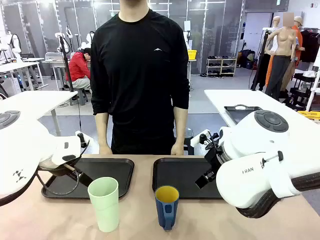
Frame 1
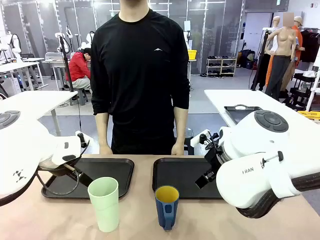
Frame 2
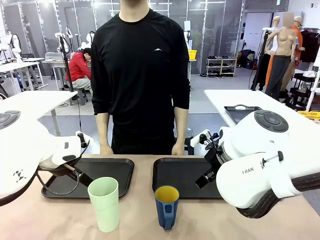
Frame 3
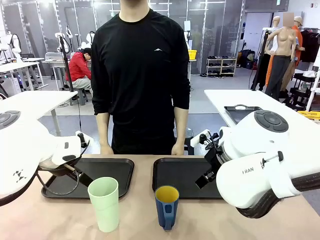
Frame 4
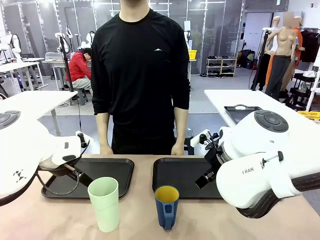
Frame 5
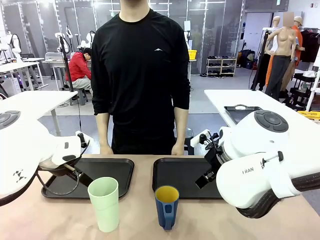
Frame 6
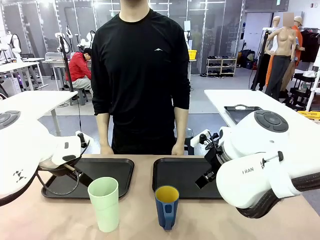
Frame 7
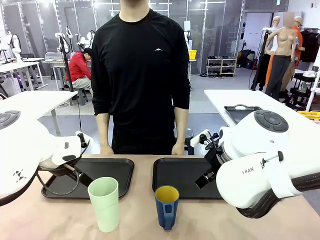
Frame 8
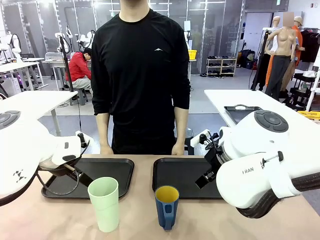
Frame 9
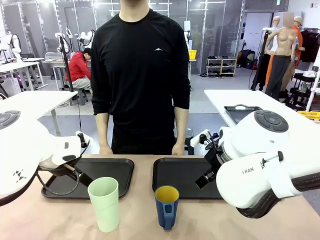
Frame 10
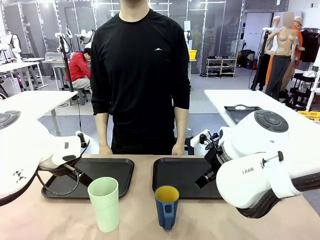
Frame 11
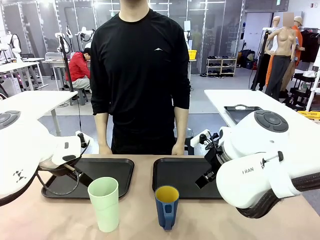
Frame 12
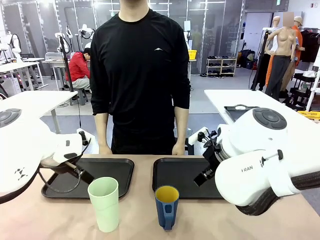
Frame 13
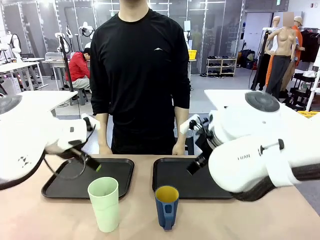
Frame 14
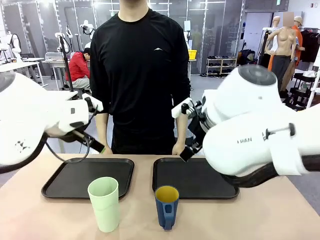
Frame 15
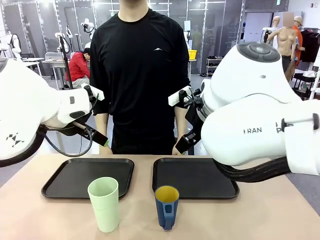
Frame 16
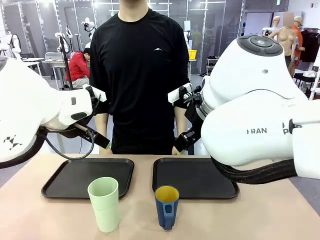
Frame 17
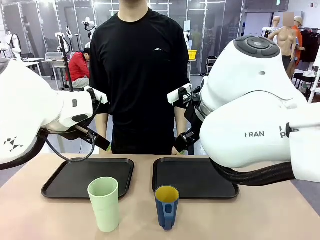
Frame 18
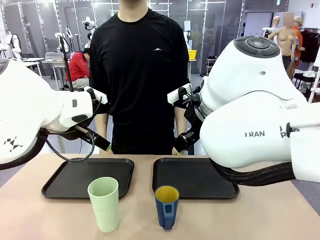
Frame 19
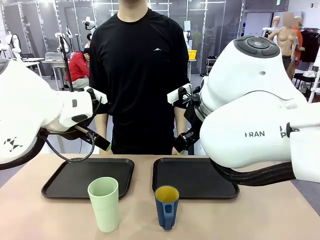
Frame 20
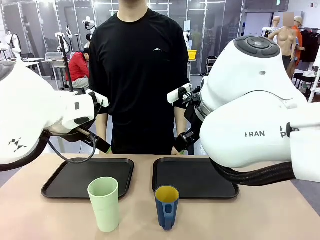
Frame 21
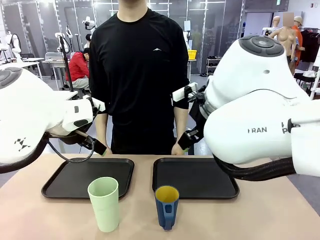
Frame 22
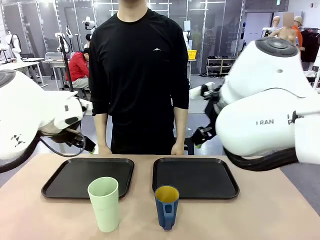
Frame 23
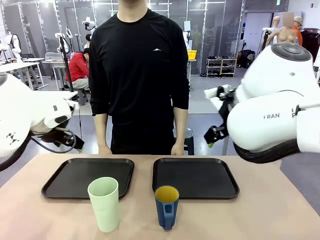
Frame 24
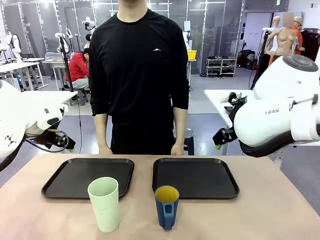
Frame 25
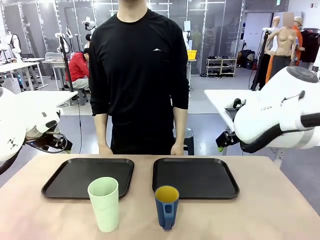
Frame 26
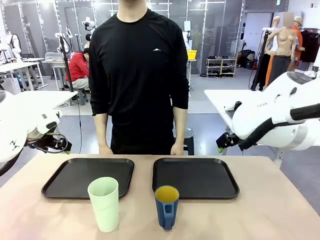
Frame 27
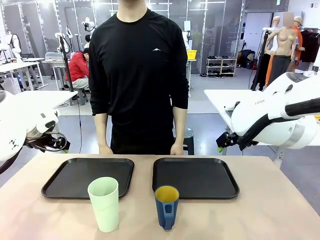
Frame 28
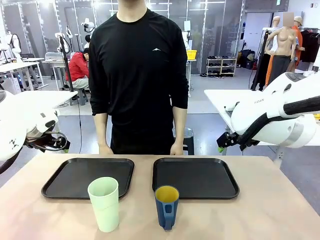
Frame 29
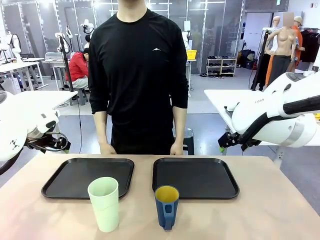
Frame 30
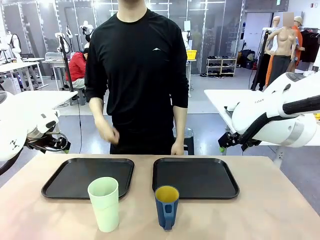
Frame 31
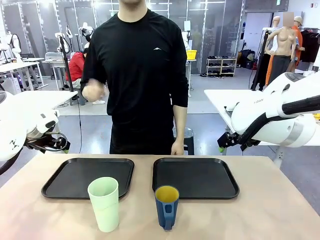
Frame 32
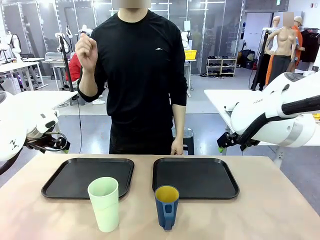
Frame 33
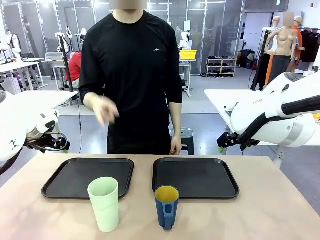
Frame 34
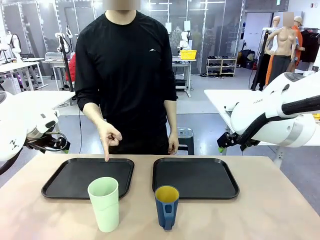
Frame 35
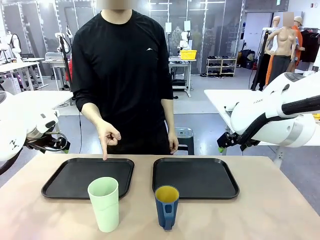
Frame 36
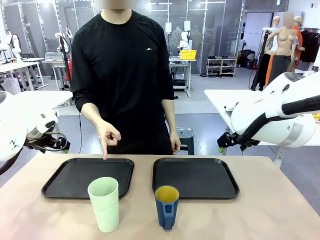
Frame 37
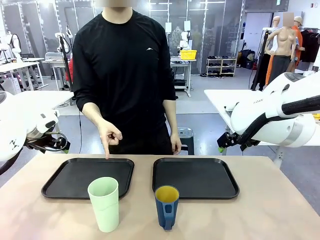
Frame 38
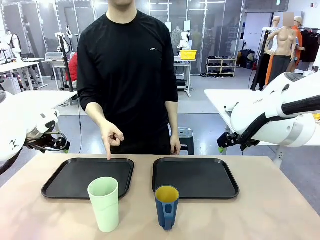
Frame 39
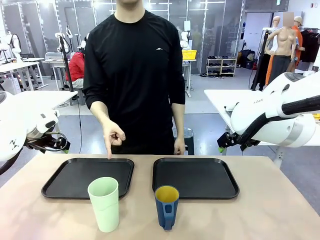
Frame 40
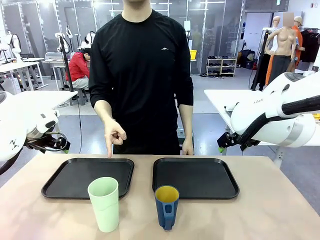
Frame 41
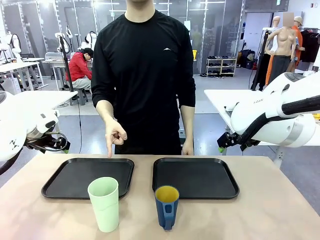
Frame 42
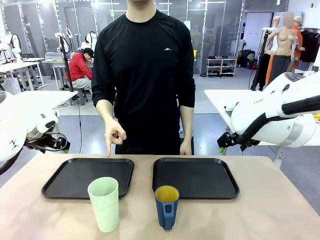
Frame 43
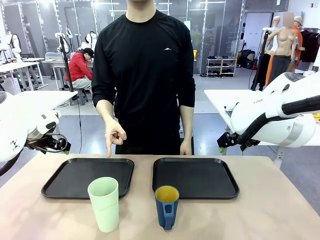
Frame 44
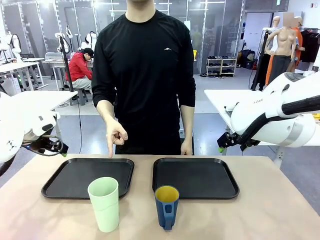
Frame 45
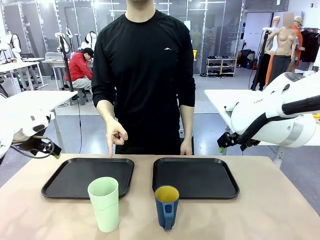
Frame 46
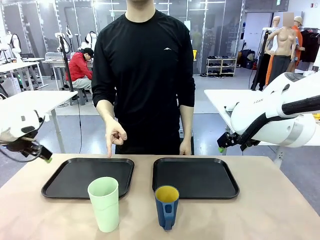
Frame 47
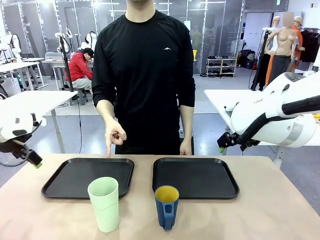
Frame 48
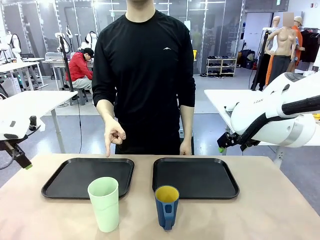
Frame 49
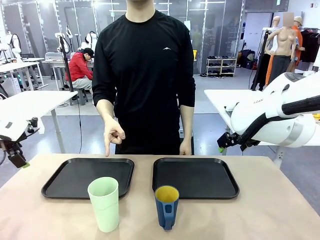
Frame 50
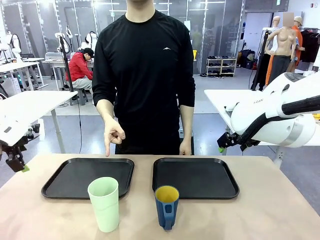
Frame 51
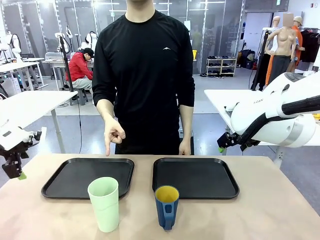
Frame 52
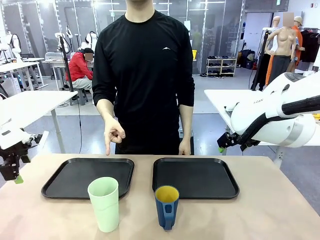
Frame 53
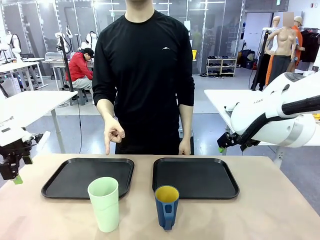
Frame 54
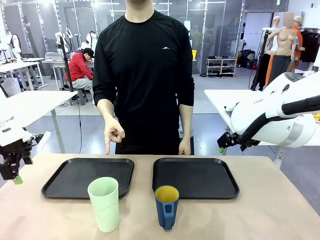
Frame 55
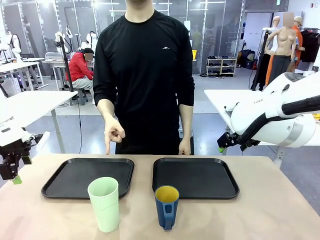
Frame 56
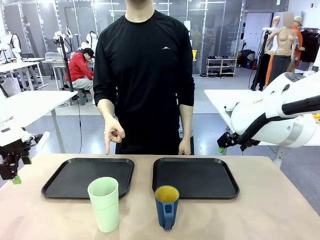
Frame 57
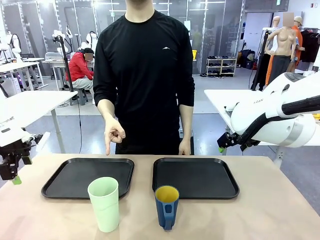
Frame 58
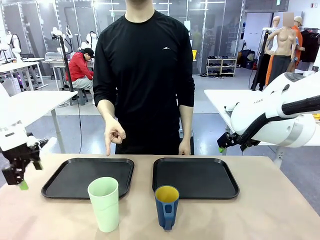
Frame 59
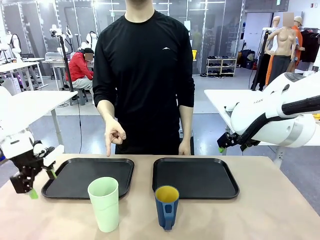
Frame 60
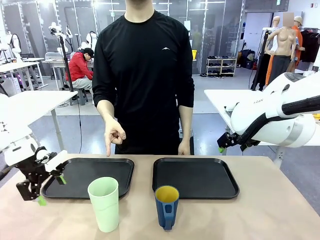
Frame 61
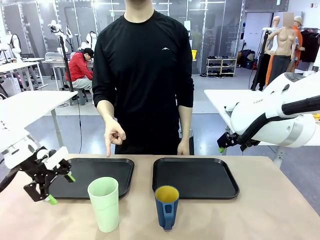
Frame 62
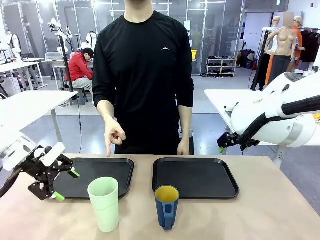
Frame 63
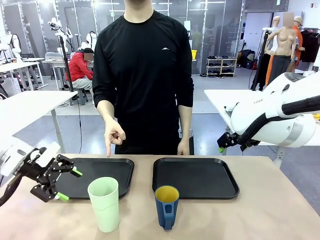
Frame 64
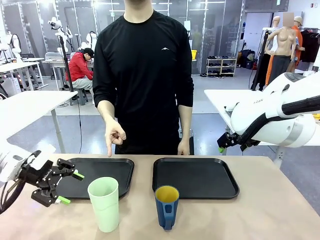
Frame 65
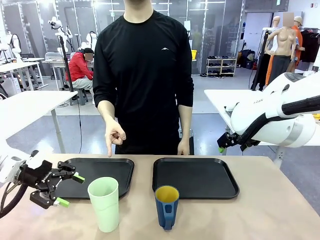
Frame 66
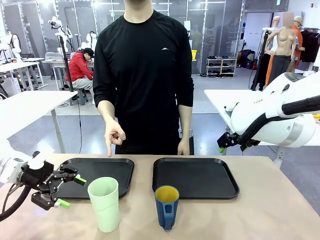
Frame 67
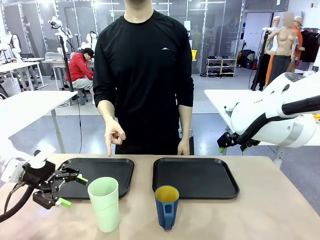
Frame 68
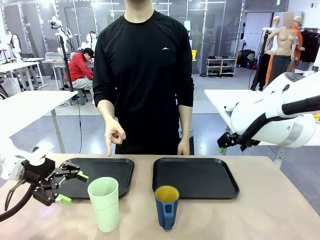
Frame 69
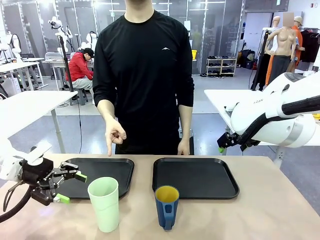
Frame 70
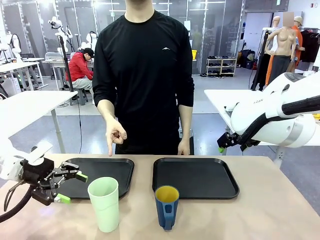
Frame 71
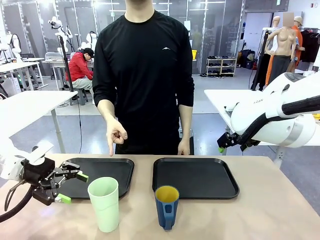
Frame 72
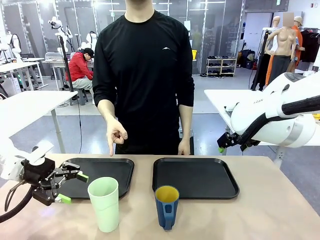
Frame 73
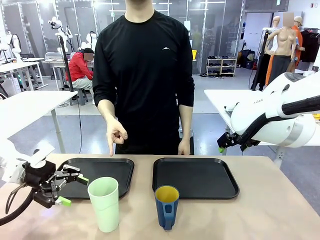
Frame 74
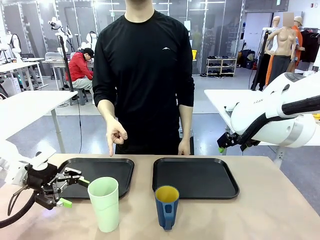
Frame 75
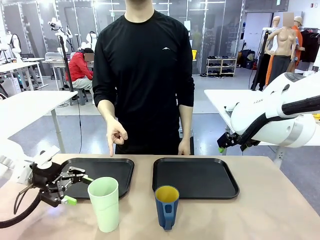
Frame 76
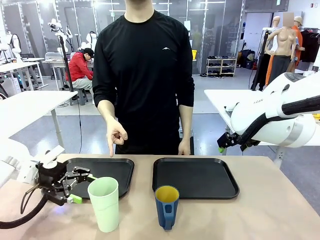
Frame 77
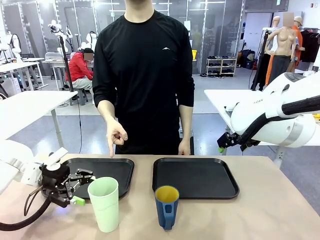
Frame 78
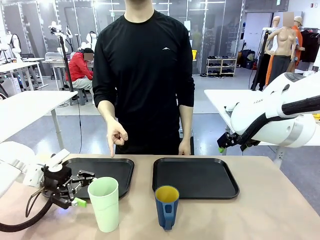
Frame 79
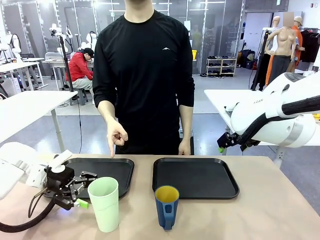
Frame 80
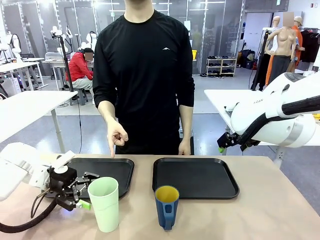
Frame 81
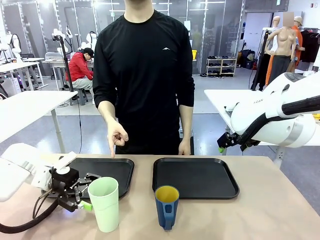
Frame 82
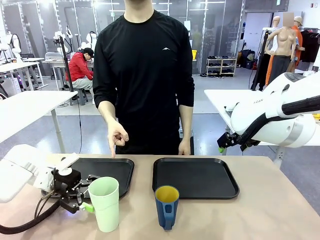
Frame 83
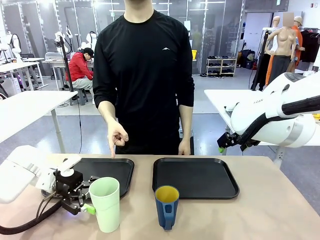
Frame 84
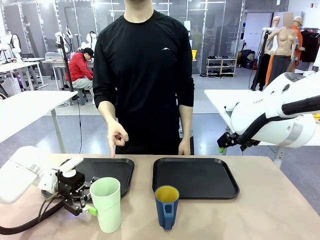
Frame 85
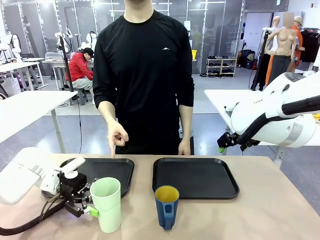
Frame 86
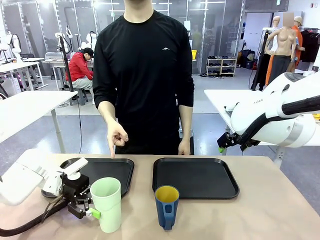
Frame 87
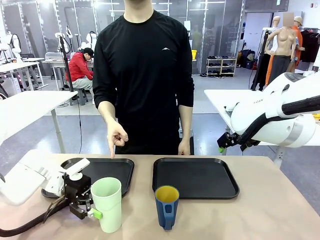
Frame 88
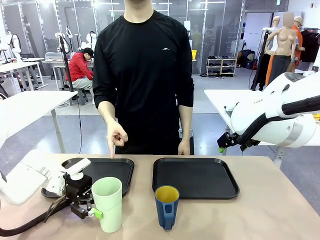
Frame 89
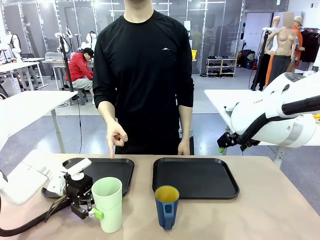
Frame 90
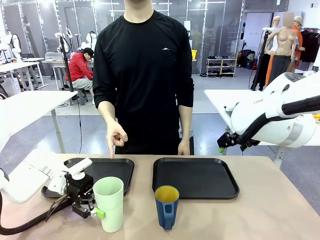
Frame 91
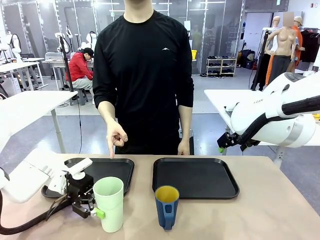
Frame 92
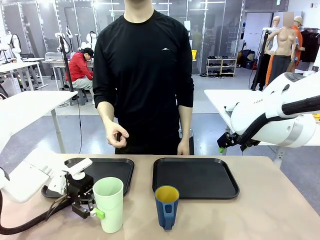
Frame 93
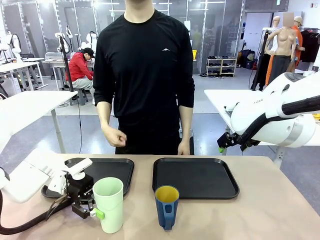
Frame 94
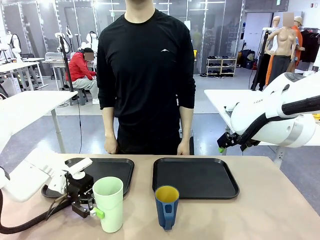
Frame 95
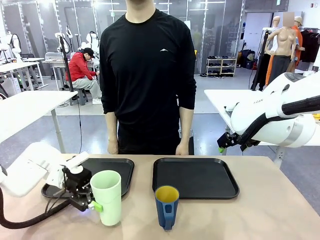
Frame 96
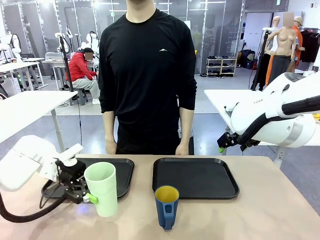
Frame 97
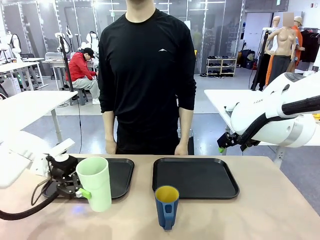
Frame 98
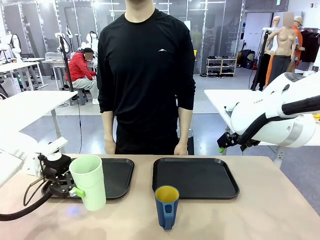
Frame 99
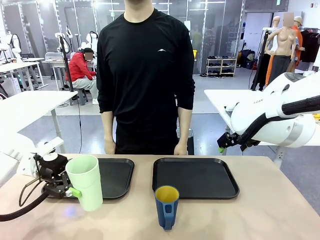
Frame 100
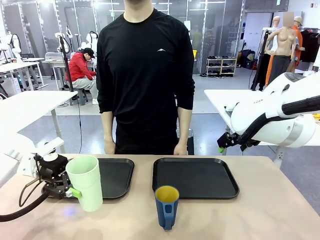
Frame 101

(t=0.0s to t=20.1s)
Task: Sort and store the cups by type.
Robot: Pick up the Reusable plastic cup.
Person: Points to the reusable cup. Point to one of the two trays.
